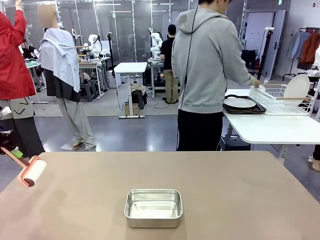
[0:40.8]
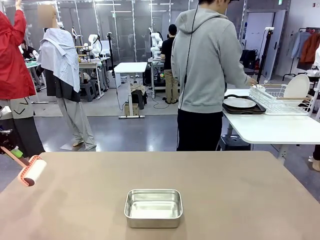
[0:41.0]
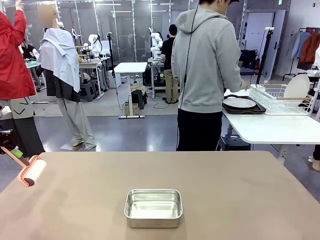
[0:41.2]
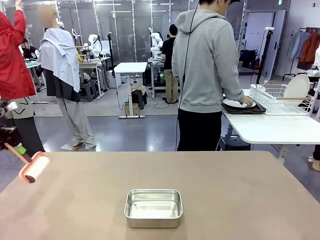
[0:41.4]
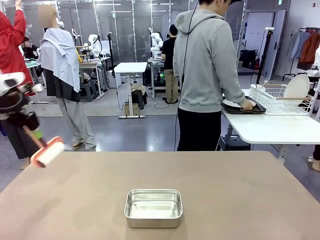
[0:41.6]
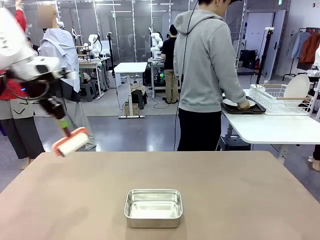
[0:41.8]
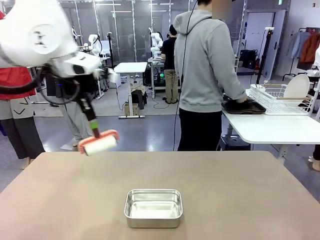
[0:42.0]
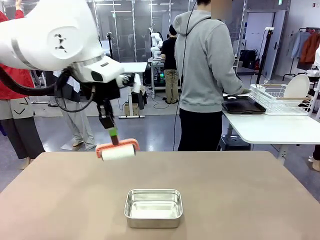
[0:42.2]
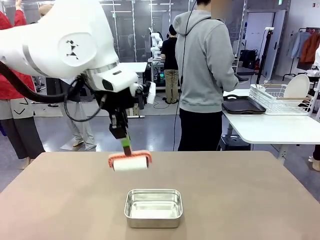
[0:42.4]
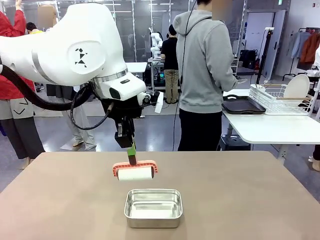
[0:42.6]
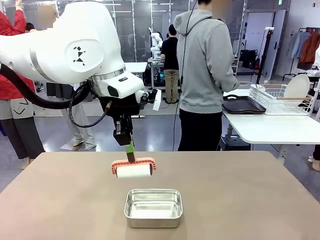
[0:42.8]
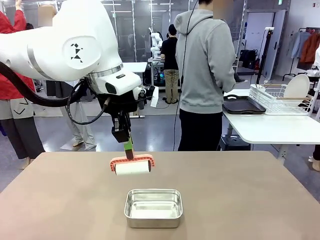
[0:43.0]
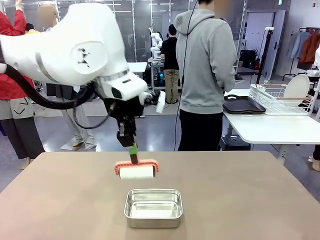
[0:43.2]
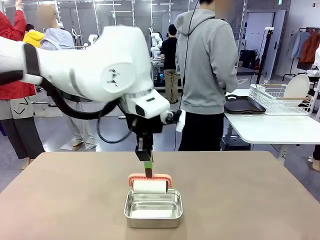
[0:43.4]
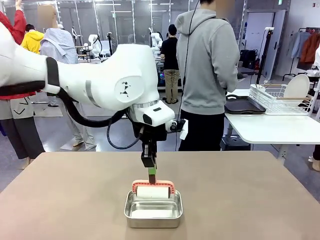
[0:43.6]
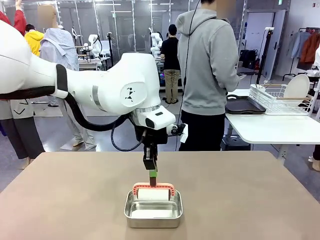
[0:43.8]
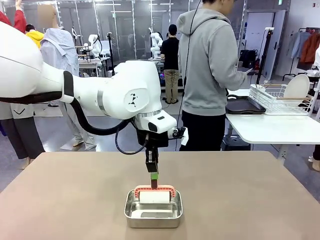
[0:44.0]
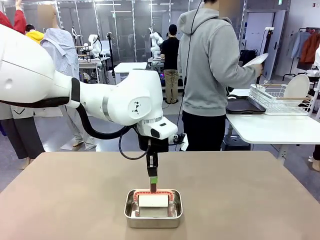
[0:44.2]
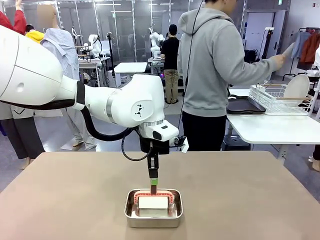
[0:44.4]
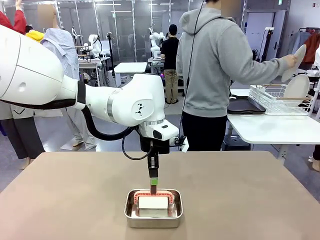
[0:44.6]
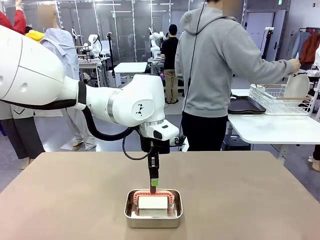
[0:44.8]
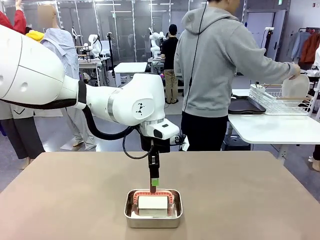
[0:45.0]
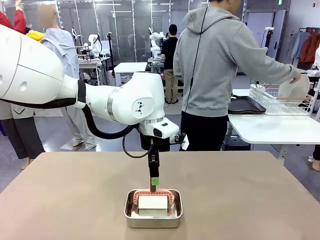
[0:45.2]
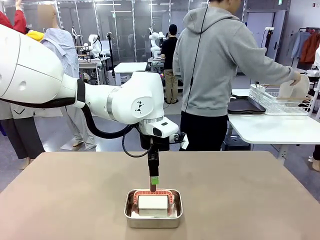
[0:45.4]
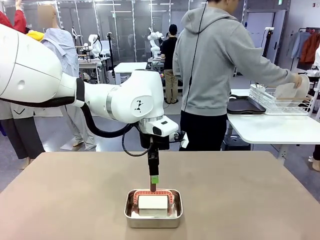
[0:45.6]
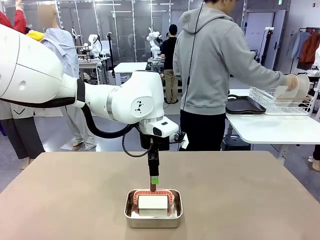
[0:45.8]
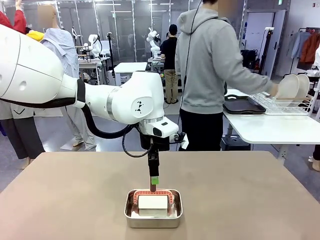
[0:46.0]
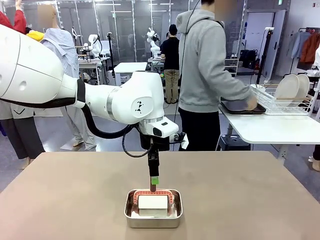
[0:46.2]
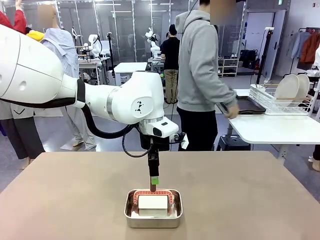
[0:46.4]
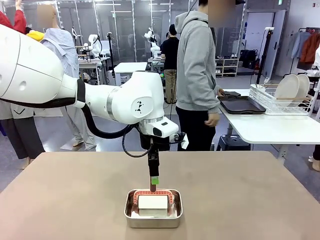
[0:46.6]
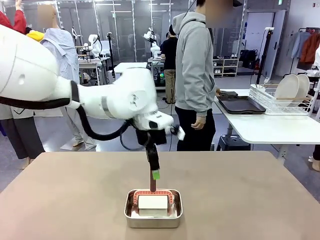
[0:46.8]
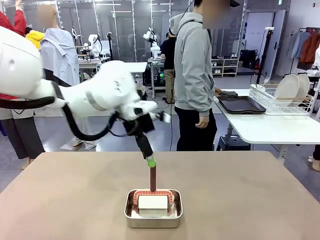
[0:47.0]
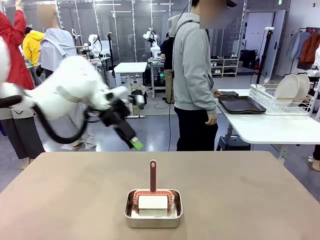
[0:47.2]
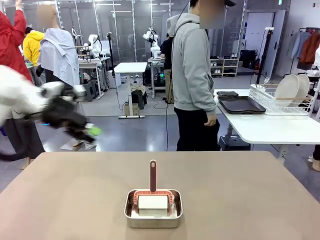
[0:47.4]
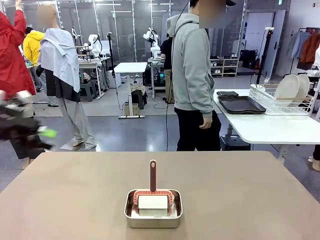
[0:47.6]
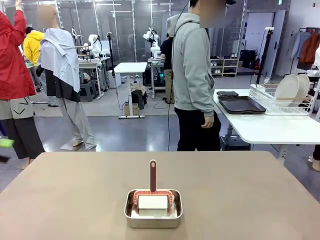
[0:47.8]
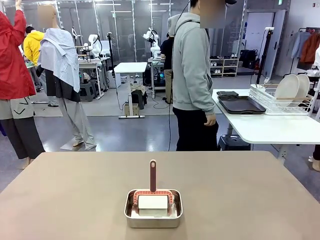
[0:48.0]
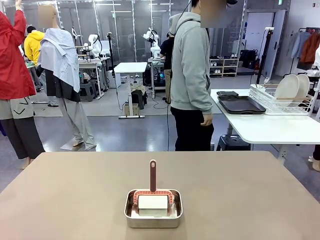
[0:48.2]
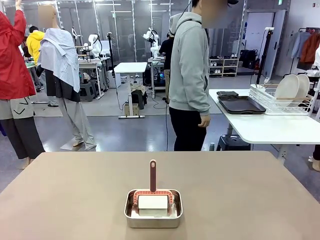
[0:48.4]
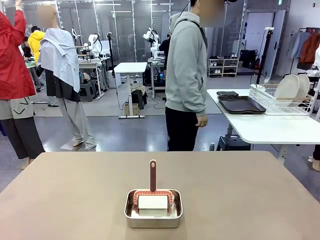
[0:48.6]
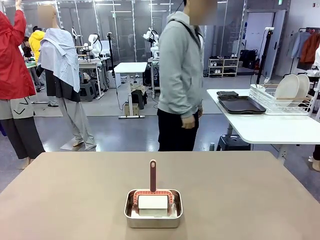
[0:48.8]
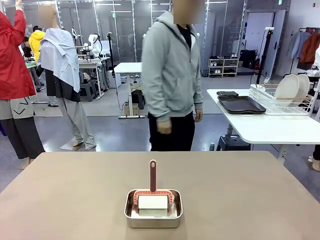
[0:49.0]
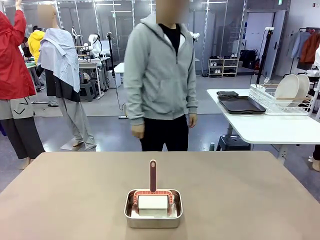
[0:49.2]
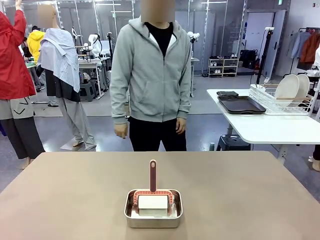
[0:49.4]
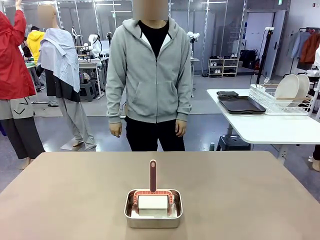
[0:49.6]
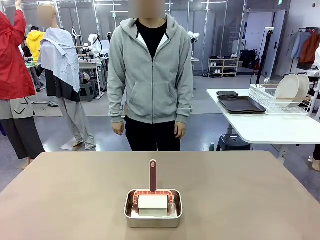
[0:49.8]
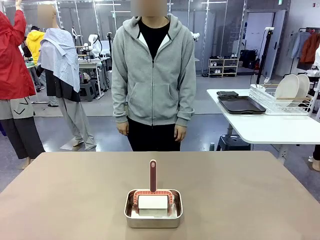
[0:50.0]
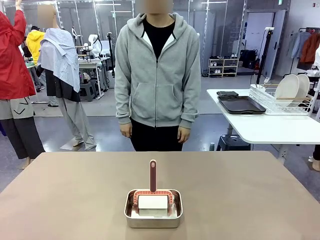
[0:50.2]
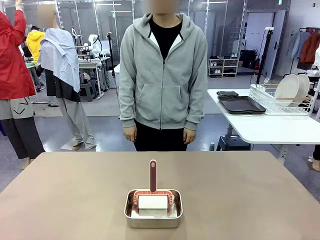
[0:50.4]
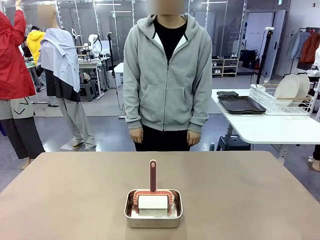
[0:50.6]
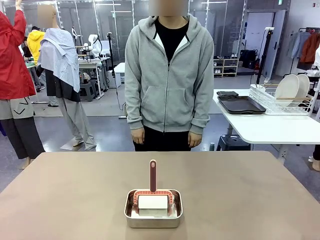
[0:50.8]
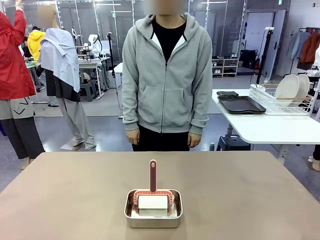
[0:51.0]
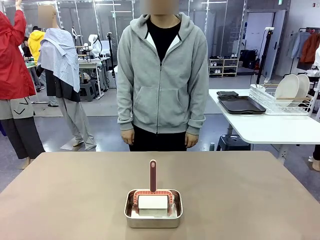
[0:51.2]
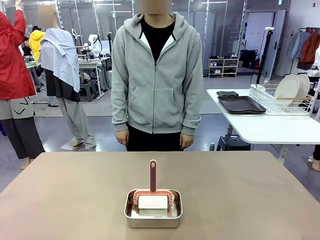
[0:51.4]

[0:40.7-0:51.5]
Robot: Place the Lint Roller back on top of the Airtight Container.
Person: Use the Towel with hook to wipe the Plastic Matte Plate , Fork , and Knife and place into the Dish drying rack.

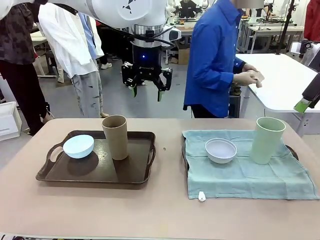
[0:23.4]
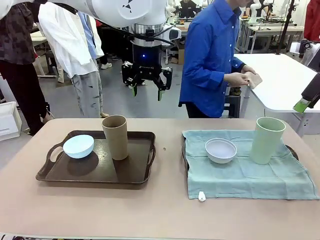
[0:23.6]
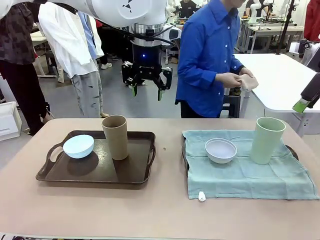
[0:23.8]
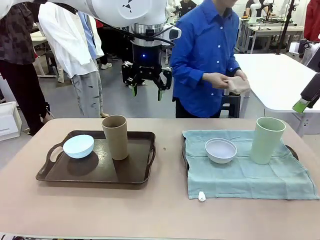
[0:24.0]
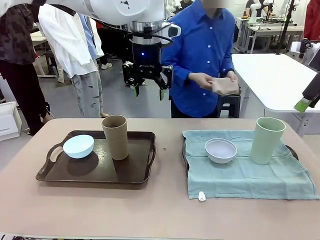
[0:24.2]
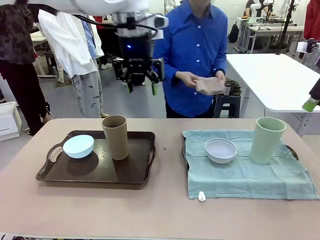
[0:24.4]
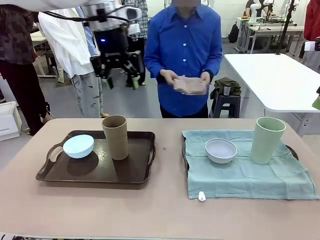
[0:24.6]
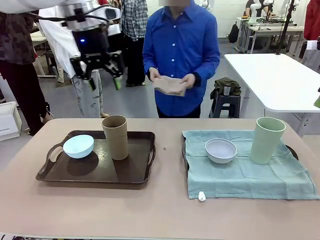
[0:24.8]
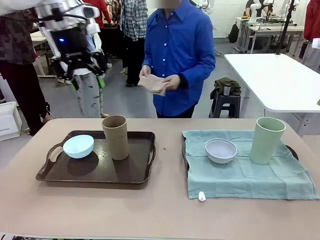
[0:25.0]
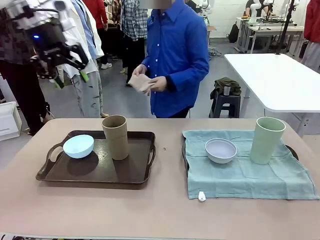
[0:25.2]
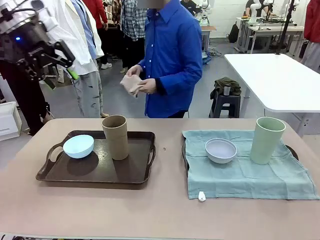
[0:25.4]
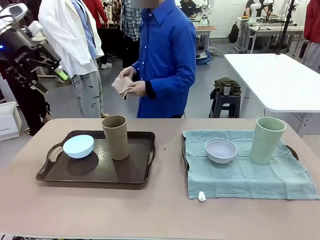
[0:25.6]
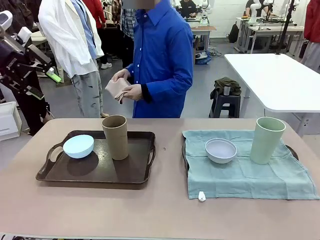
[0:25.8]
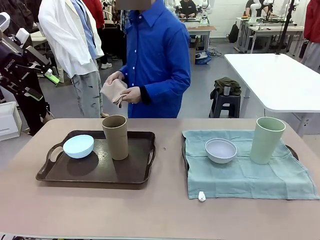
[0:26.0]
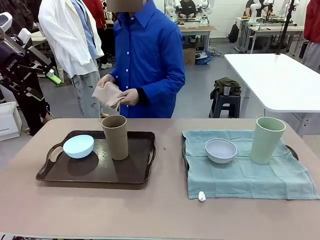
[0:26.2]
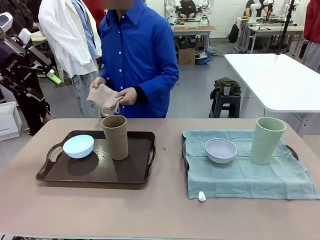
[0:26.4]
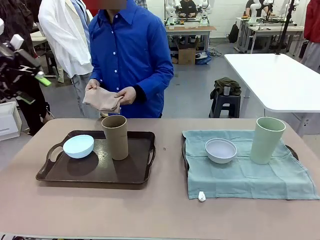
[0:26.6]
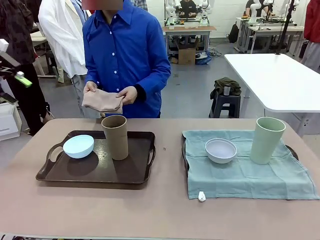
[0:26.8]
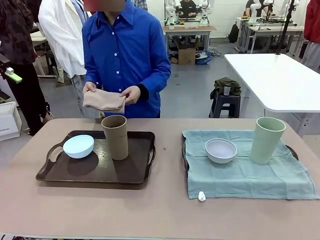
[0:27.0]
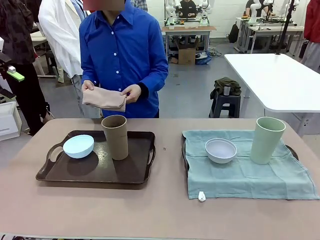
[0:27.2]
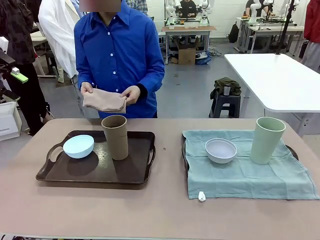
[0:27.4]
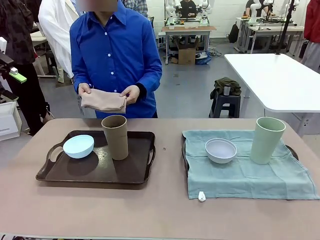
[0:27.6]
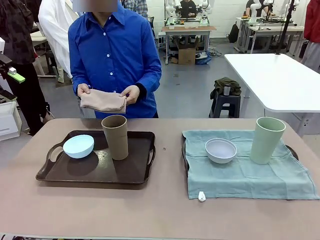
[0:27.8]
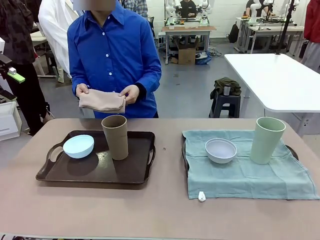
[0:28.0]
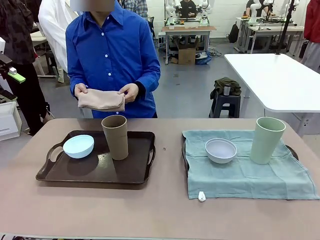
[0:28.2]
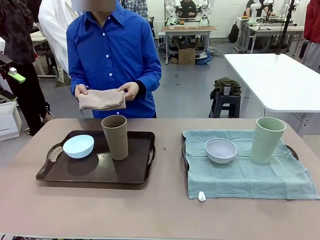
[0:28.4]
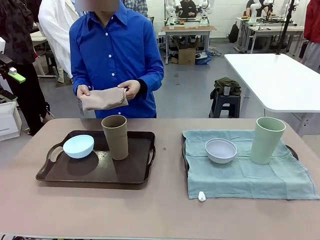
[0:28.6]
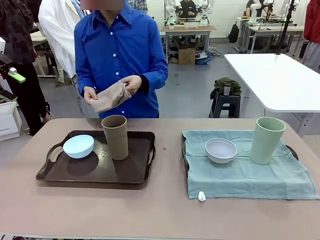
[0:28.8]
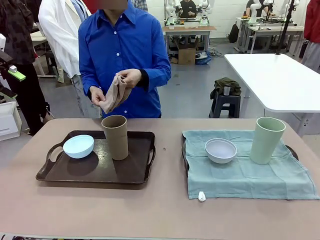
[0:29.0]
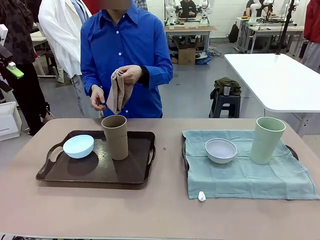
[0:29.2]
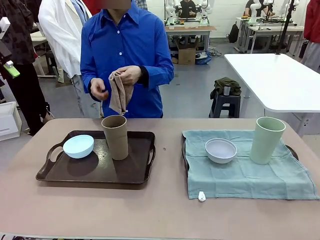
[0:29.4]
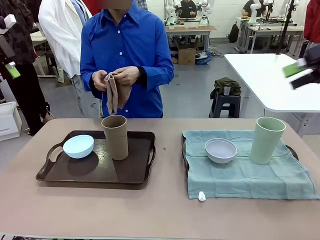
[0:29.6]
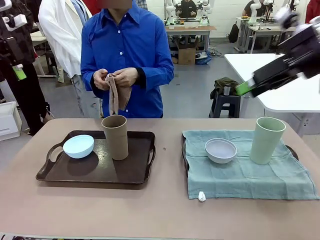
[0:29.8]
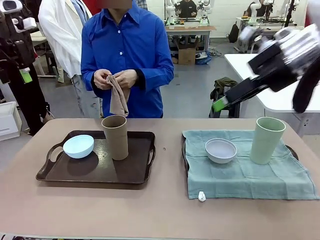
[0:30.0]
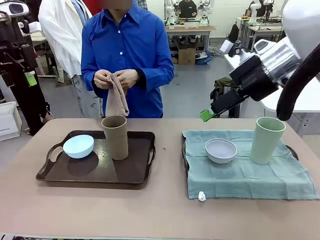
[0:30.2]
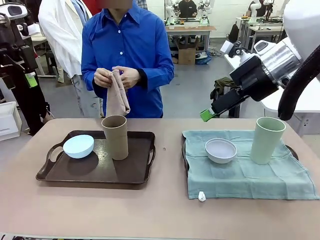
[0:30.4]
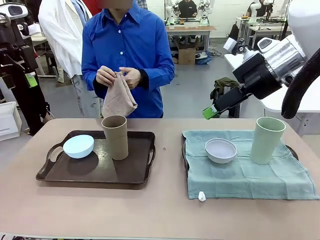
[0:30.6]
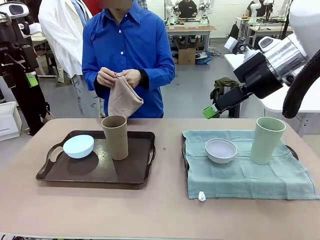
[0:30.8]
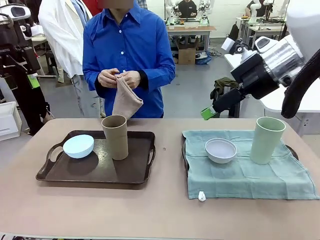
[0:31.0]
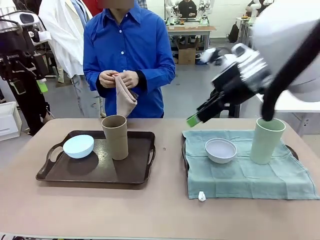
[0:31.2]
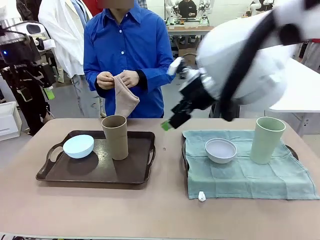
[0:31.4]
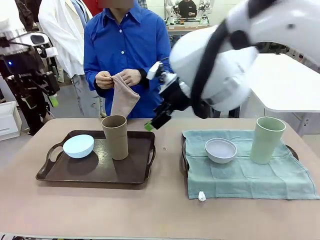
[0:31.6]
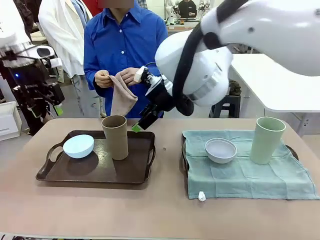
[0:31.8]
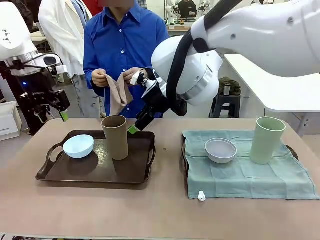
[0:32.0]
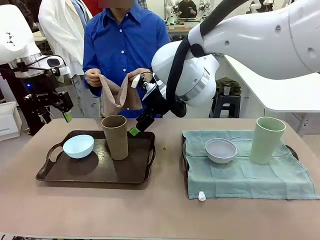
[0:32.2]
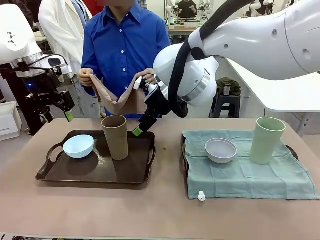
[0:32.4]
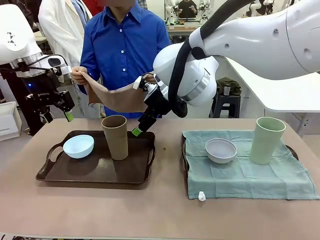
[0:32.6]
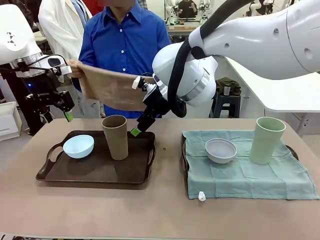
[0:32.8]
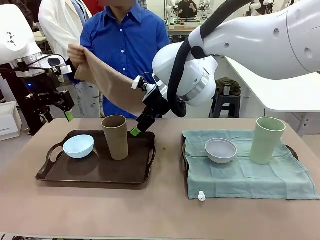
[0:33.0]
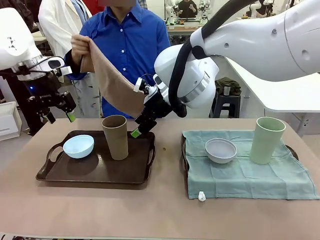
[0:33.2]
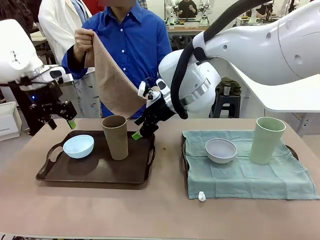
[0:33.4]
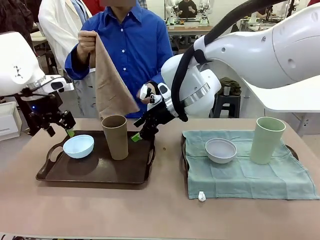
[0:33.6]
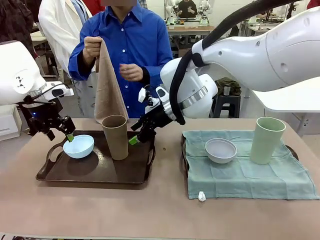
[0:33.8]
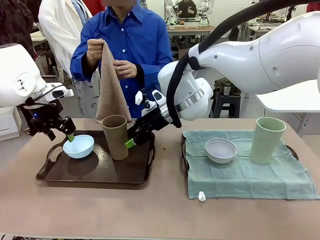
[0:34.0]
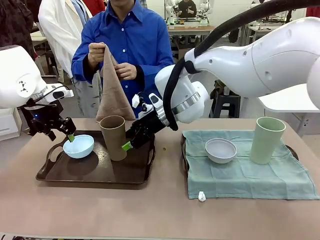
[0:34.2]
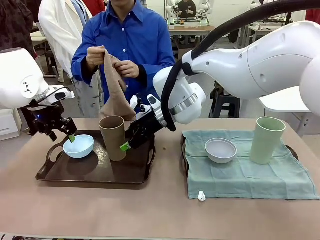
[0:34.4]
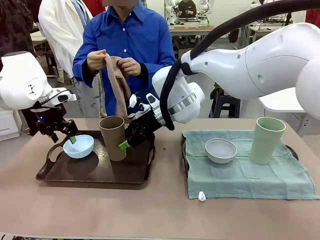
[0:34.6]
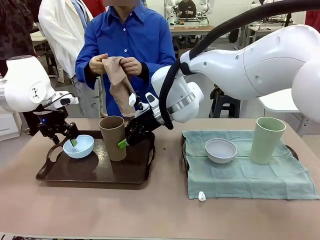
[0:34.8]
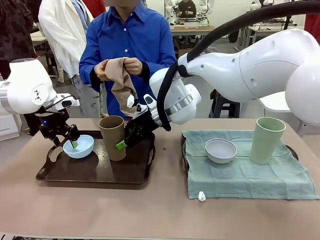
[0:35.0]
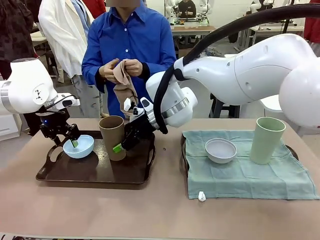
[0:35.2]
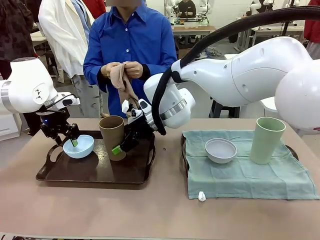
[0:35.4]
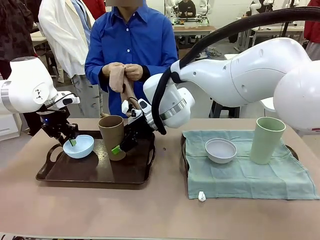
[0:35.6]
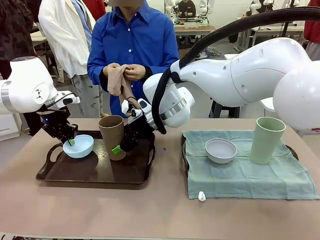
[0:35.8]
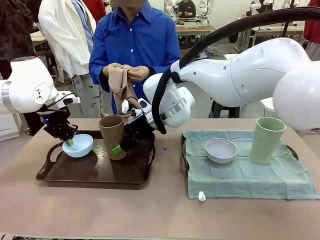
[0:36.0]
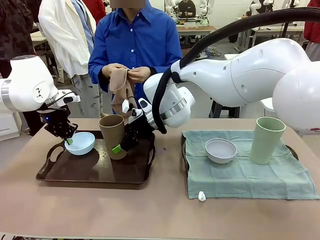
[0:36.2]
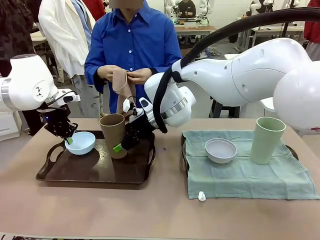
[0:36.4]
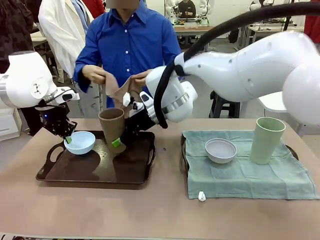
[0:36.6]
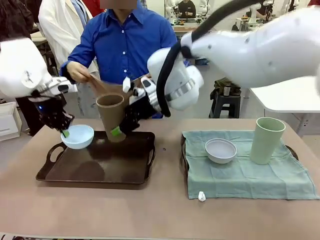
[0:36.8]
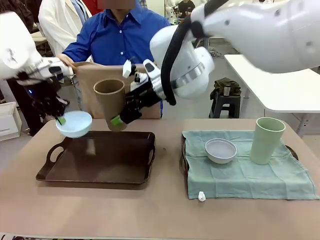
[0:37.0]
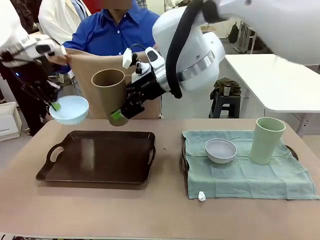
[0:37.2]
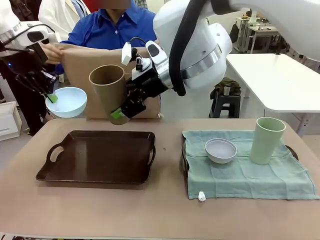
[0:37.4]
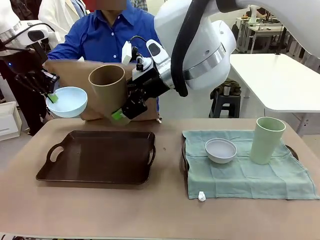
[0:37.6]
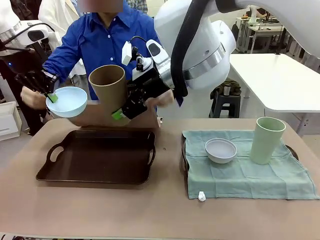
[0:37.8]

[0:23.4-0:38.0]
Robot: Pick up the Picnic Bowl and Reusable plastic cup from the Handle tray in front of the human's position and hold them in the air.
